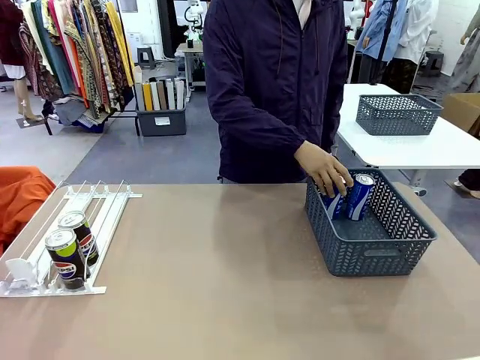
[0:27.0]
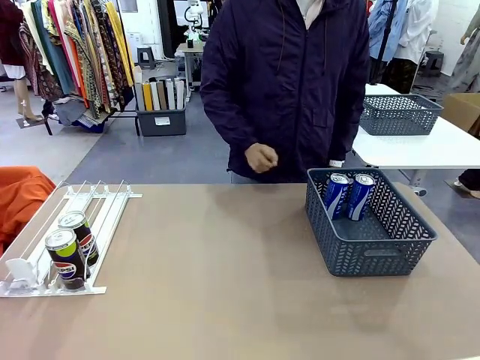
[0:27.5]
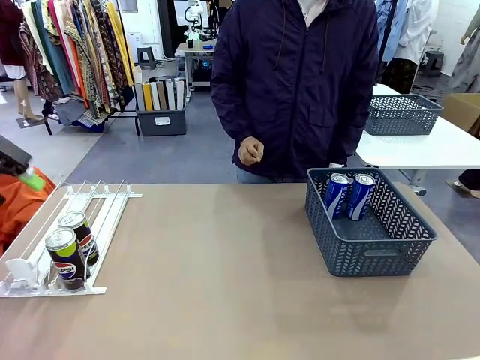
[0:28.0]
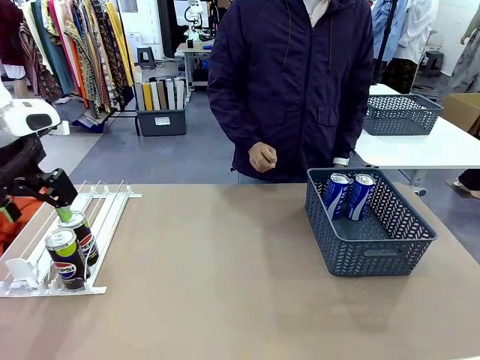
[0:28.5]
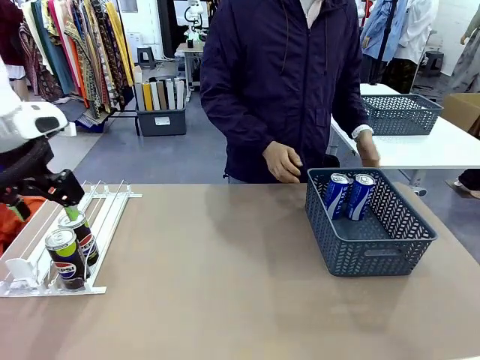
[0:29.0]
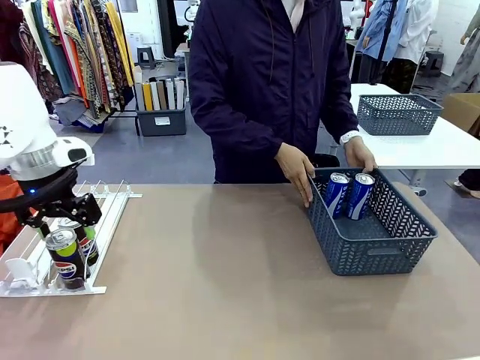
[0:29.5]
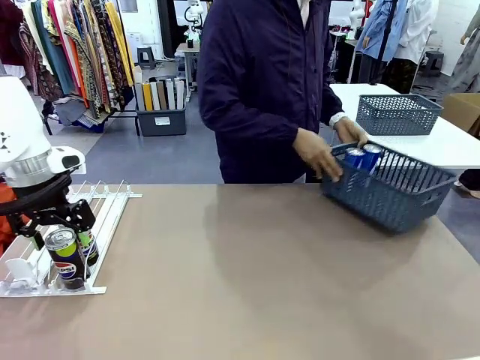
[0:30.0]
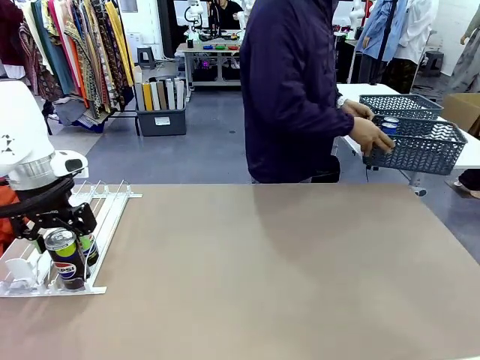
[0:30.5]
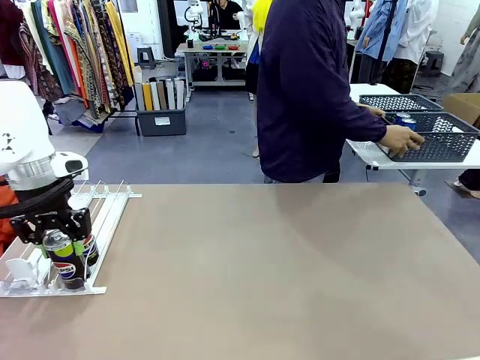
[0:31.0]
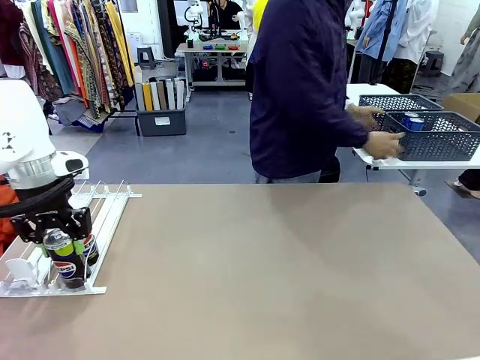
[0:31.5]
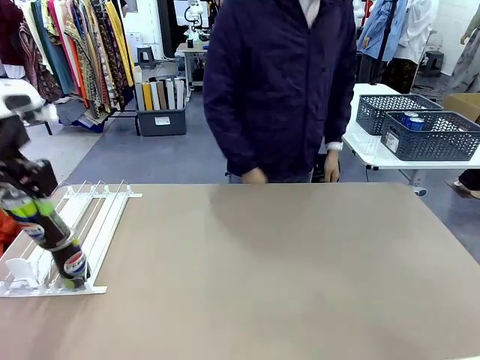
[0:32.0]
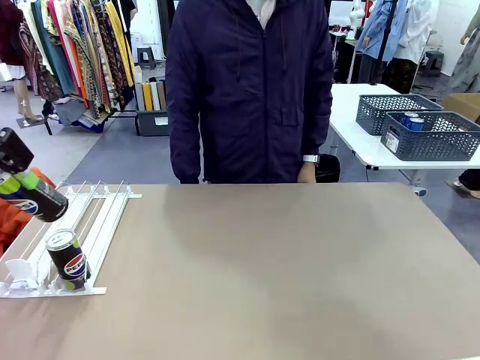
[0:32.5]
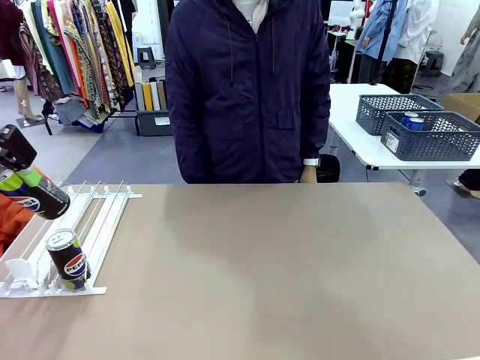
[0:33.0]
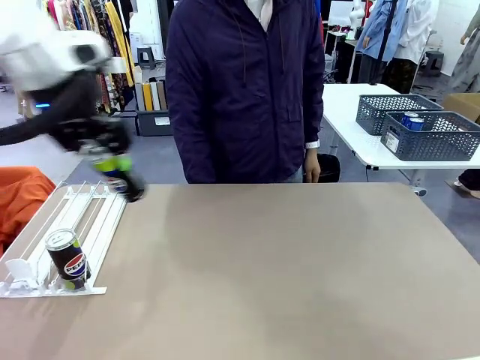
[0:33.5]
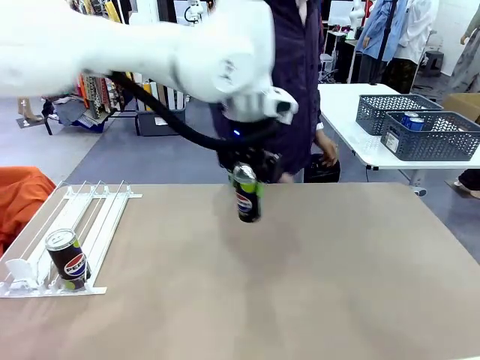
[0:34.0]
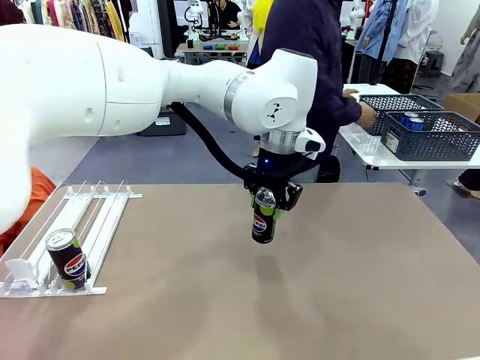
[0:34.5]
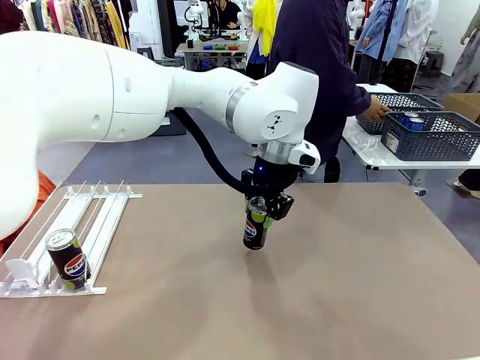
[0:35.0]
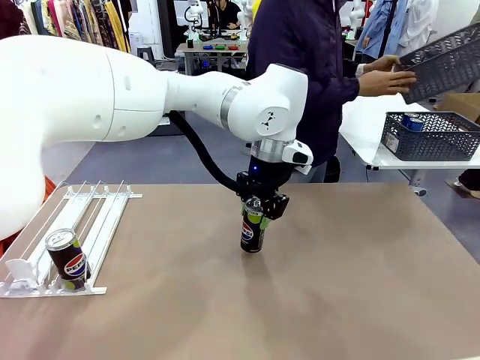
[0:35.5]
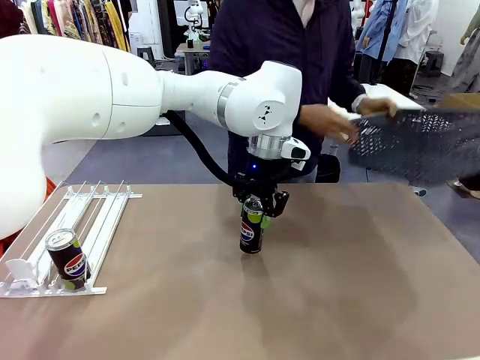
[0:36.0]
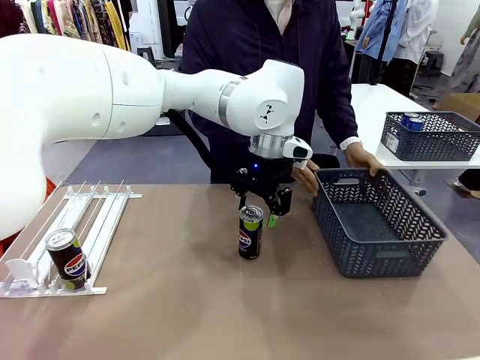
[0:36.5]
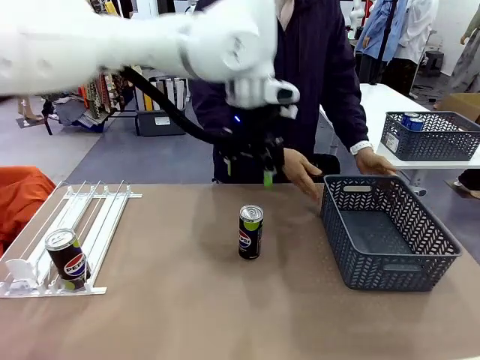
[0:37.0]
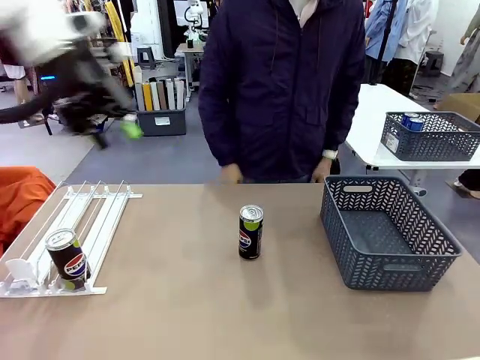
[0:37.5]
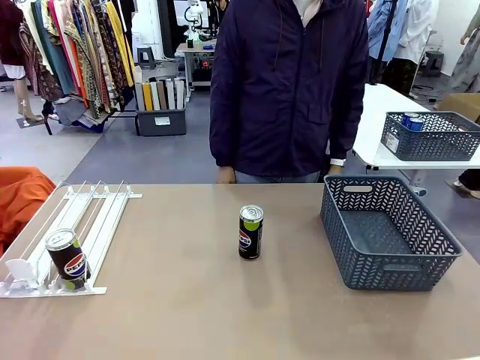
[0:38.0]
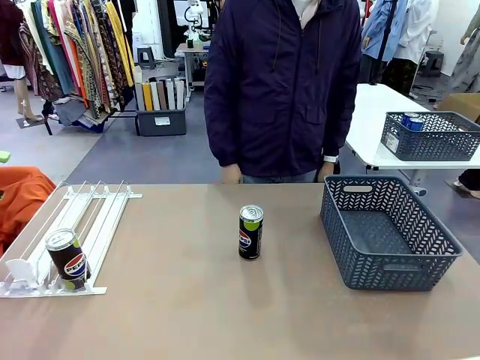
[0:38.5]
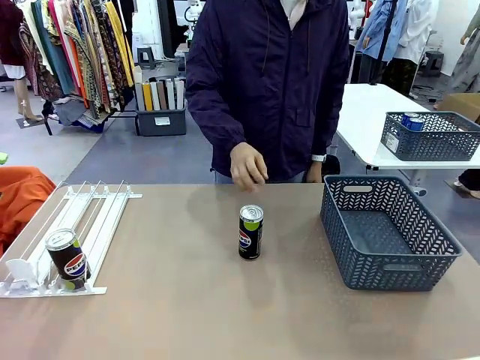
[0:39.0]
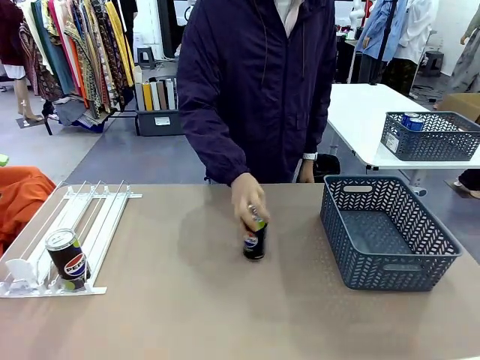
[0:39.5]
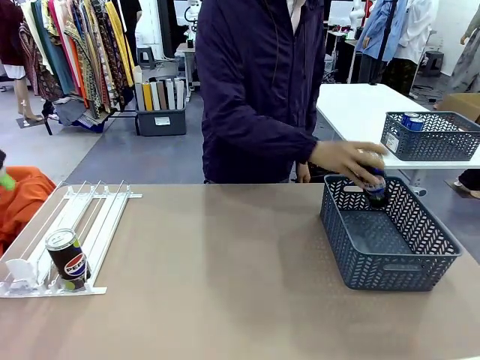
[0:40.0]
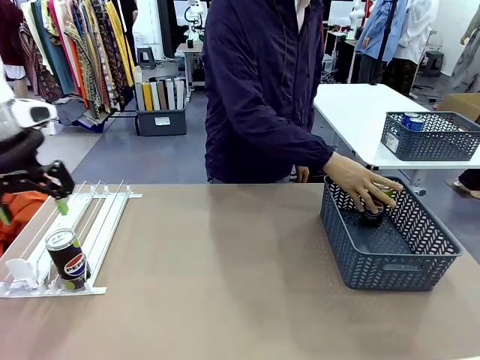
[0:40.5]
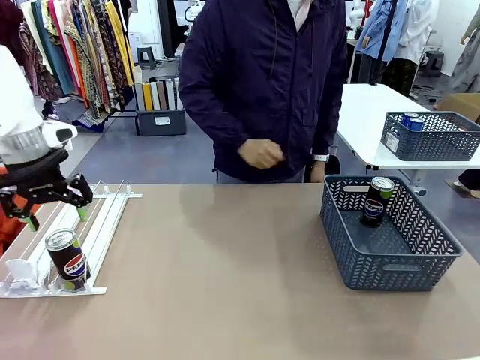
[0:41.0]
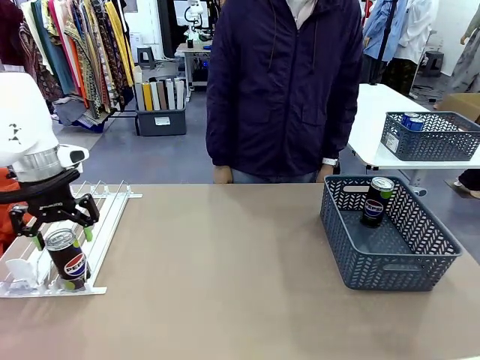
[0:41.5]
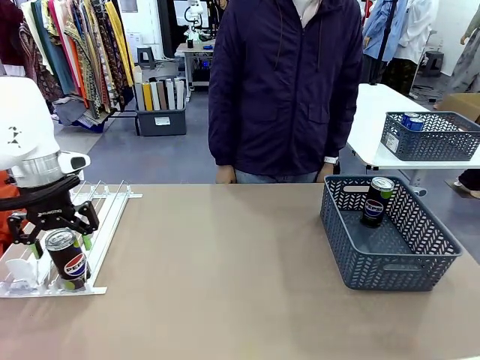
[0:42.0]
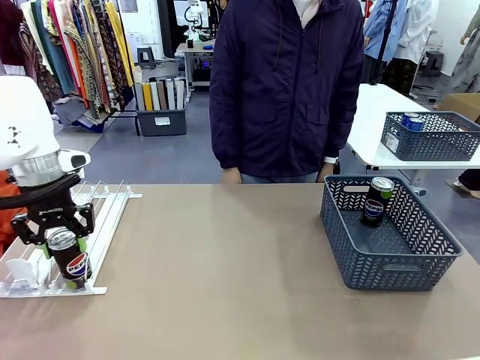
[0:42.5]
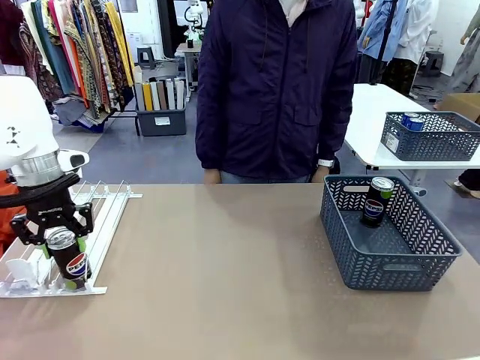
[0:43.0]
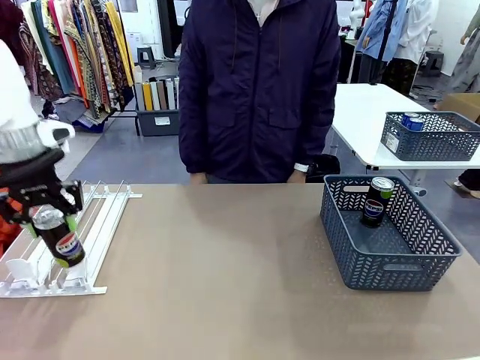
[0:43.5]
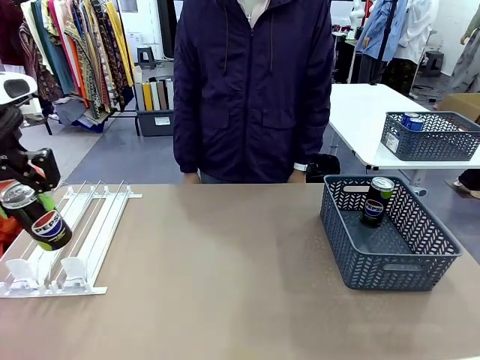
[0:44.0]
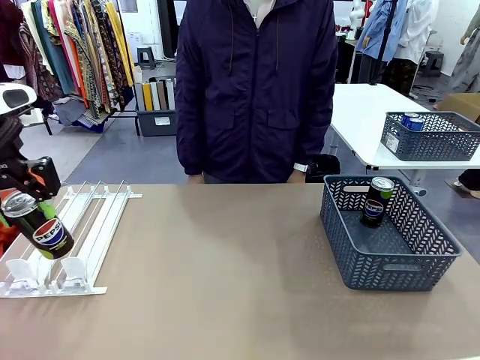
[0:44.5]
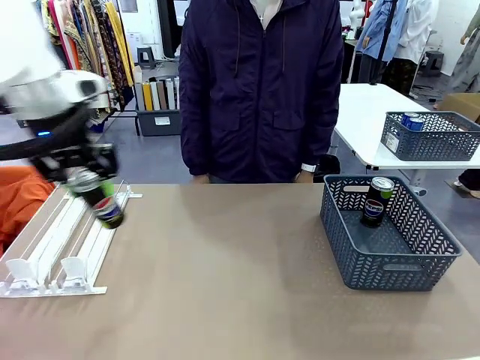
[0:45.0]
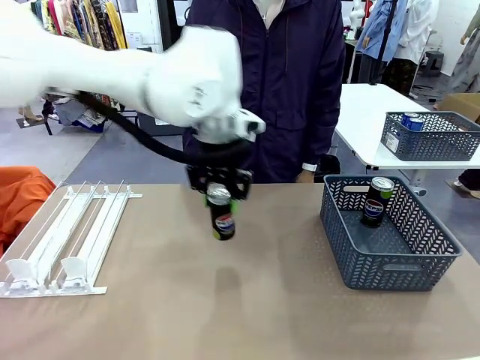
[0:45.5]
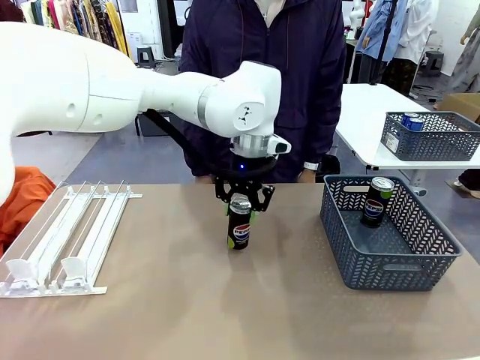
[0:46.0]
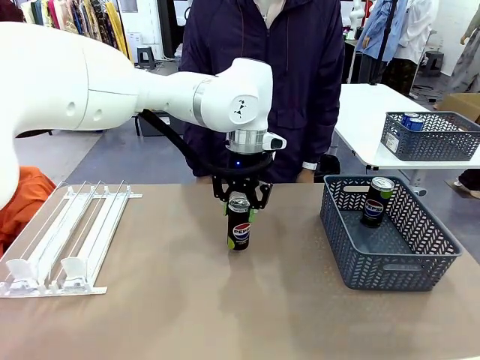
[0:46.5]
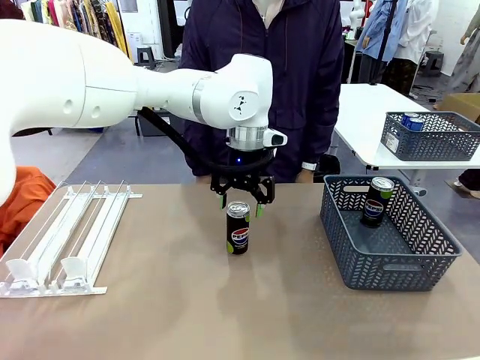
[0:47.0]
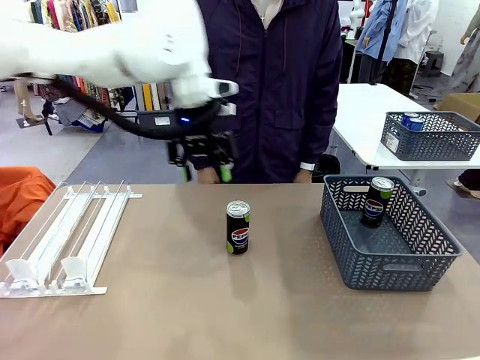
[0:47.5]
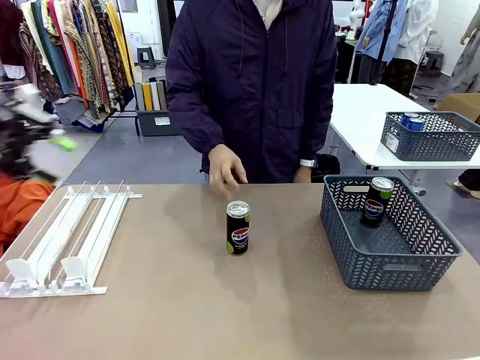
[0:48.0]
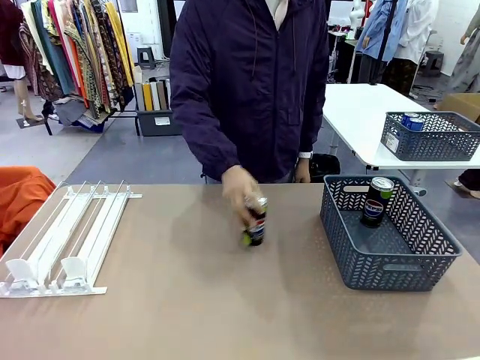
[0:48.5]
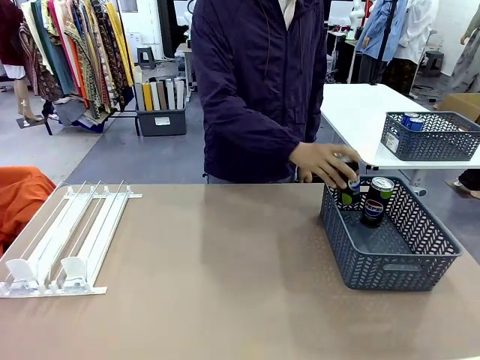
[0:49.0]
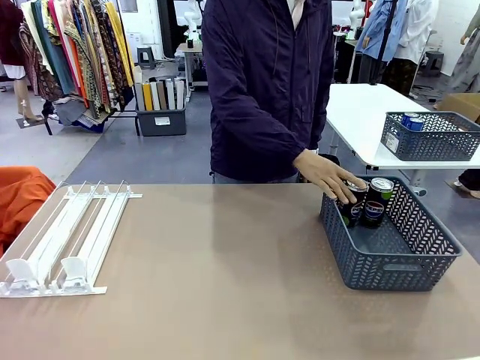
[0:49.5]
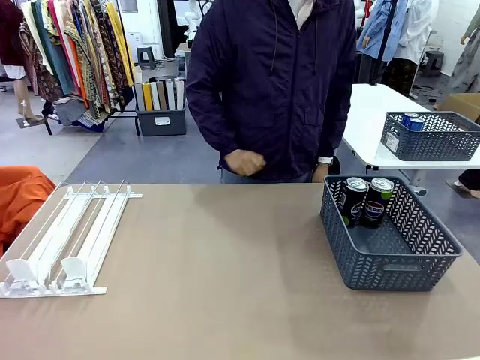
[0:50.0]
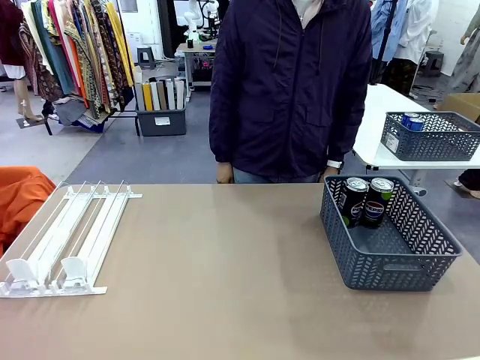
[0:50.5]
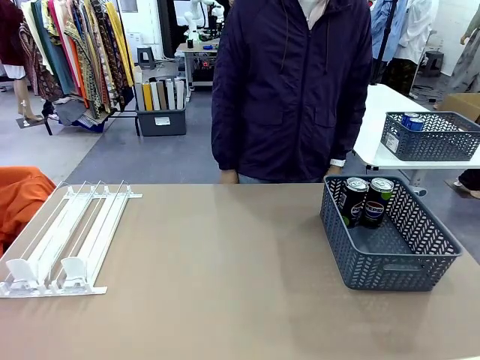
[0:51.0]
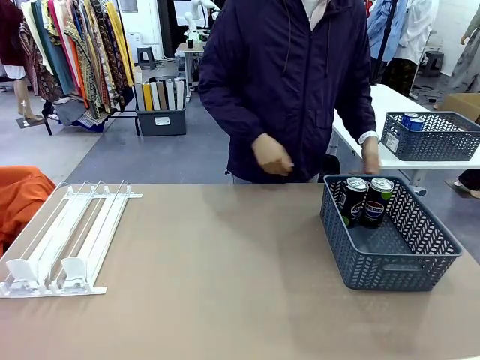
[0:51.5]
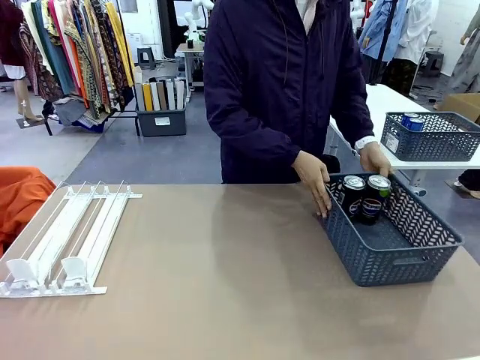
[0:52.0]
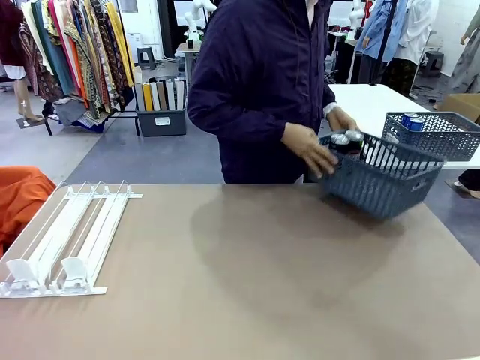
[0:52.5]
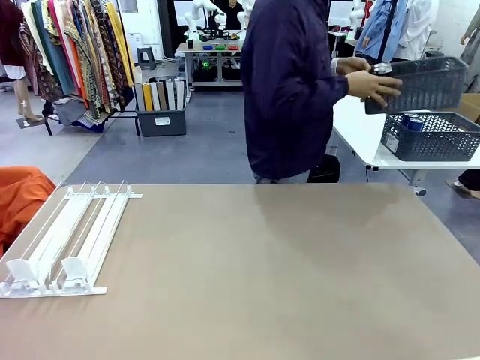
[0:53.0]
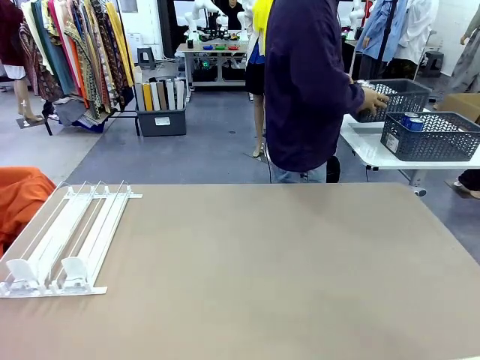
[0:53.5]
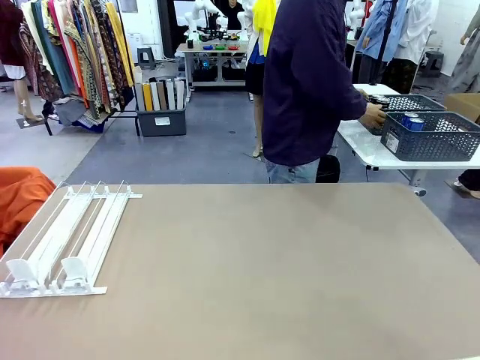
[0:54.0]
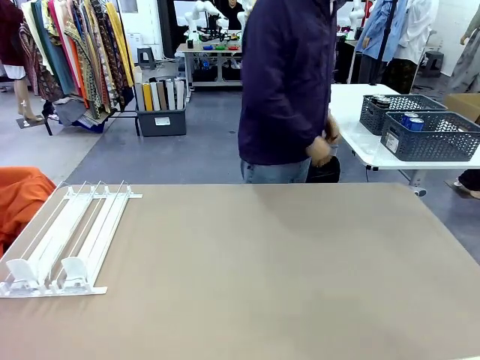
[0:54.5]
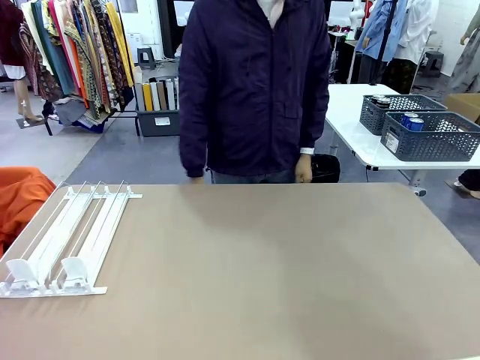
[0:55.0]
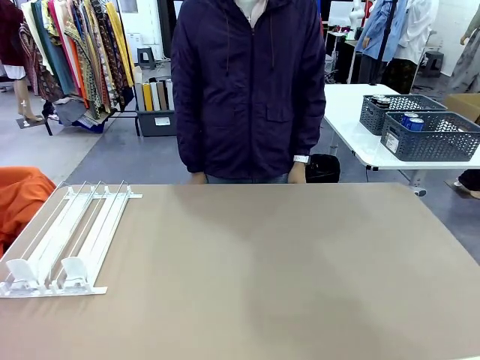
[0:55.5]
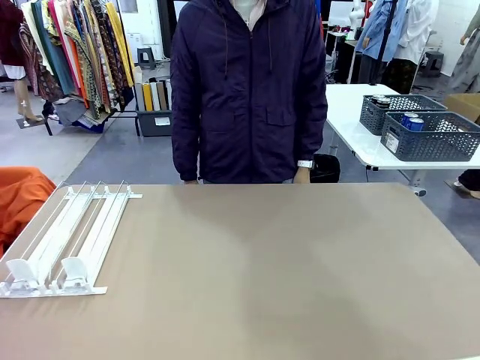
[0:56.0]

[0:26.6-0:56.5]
Task: Retrieve and store the cans from the dispenser.
Robot: Pick up one can from the Automatic Can Dispenser and place it in the middle of the table.
Person: Pick up the basket and place it in the middle of the human table. Pick up the empty basket and place it on the left side of the robot table. Pick up one sports drink can from the middle of the robot table and place it in the basket. Pick up the basket and place it in the middle of the human table.
